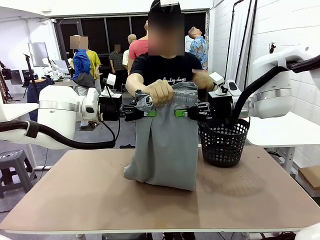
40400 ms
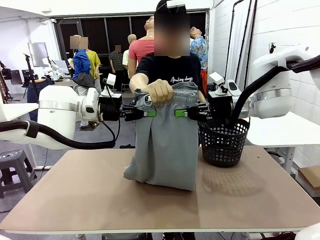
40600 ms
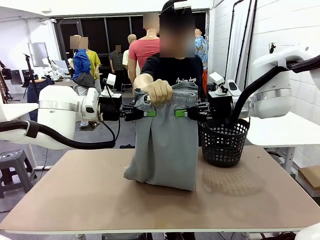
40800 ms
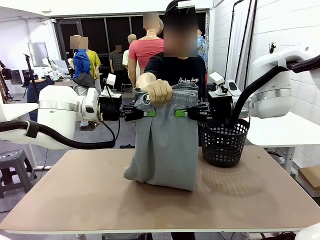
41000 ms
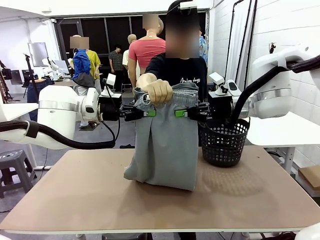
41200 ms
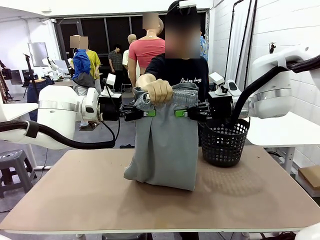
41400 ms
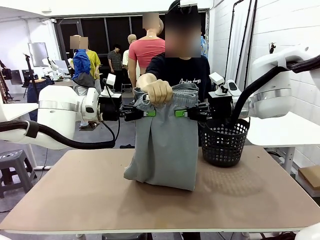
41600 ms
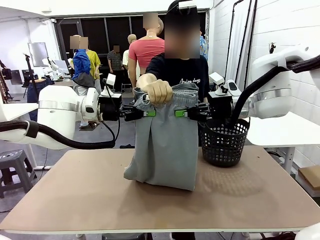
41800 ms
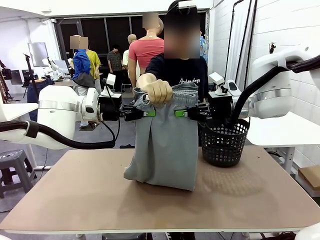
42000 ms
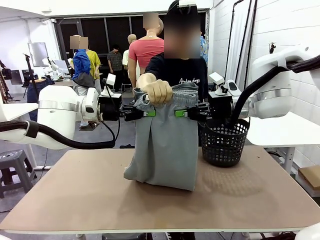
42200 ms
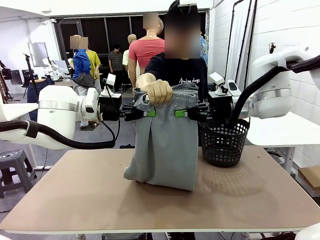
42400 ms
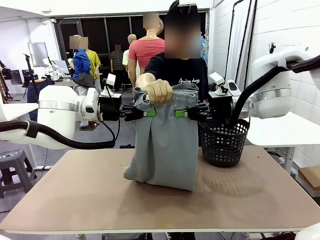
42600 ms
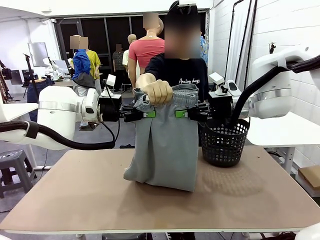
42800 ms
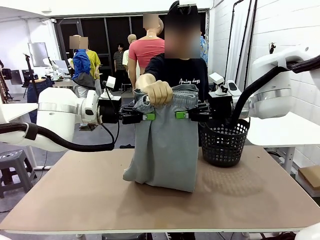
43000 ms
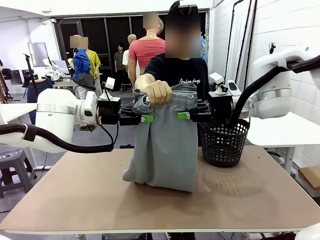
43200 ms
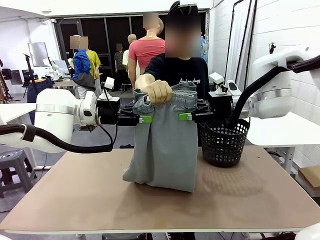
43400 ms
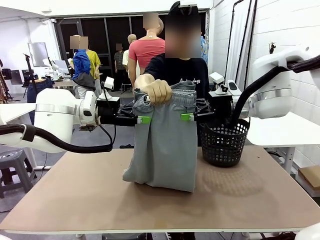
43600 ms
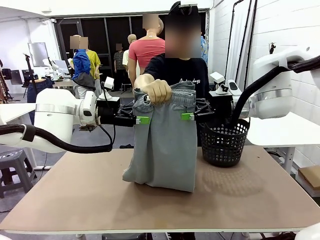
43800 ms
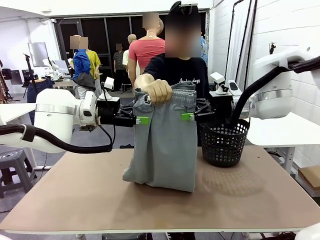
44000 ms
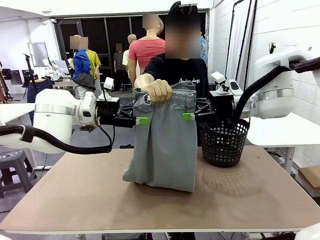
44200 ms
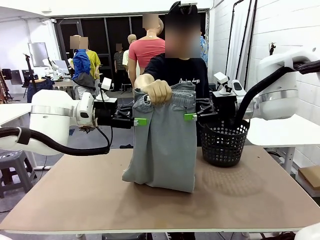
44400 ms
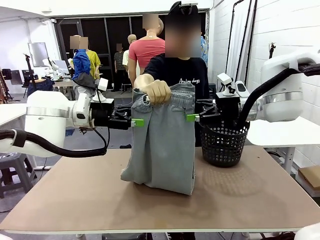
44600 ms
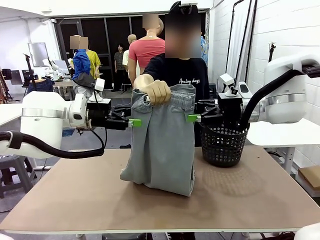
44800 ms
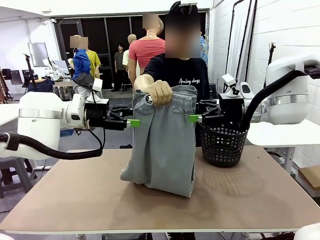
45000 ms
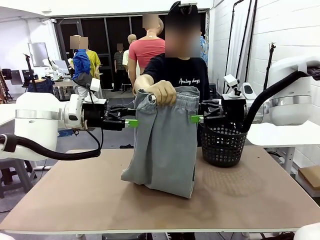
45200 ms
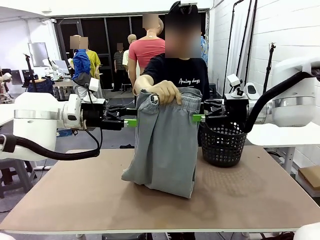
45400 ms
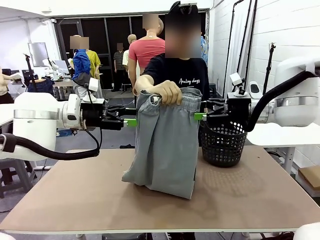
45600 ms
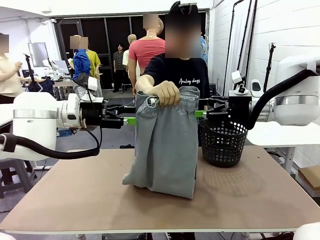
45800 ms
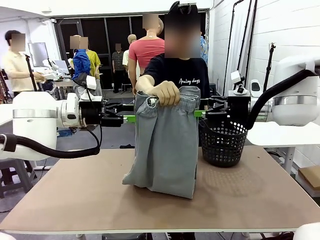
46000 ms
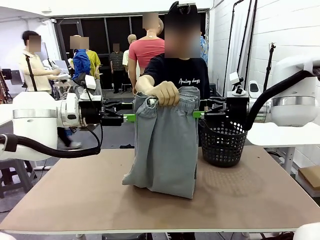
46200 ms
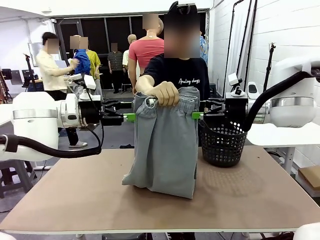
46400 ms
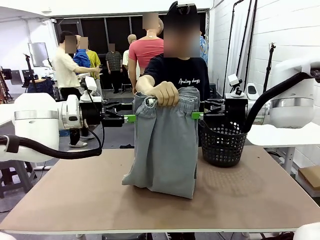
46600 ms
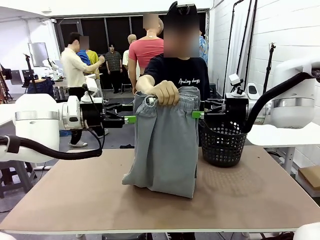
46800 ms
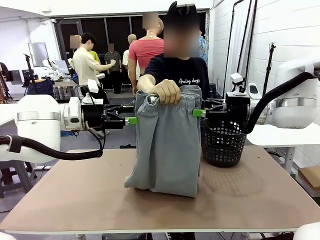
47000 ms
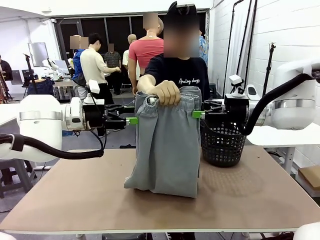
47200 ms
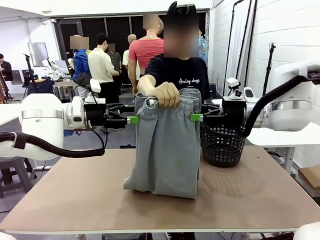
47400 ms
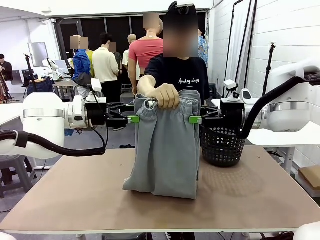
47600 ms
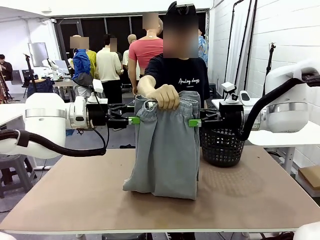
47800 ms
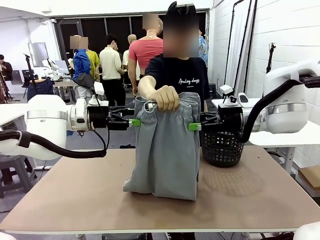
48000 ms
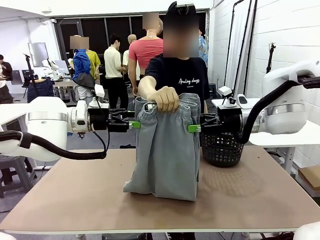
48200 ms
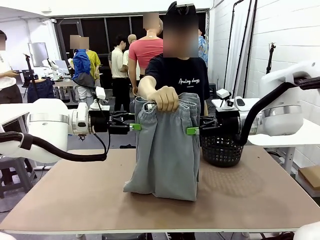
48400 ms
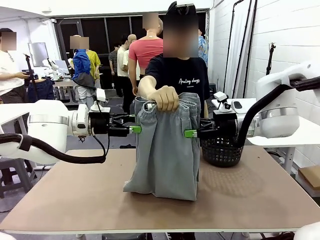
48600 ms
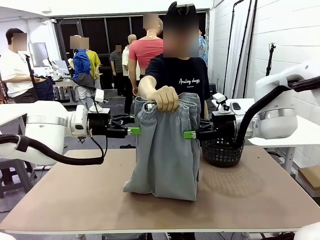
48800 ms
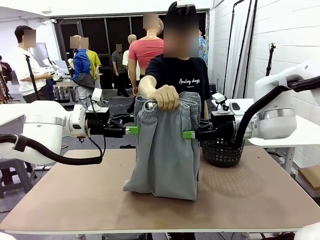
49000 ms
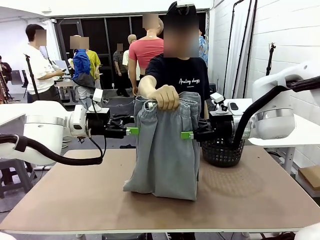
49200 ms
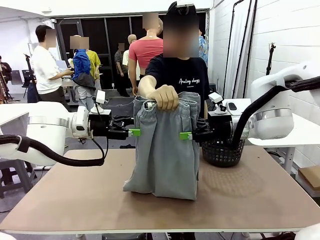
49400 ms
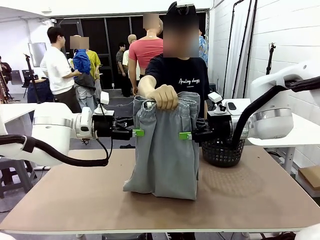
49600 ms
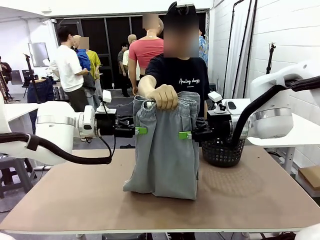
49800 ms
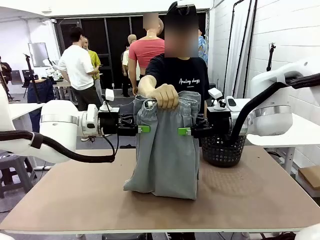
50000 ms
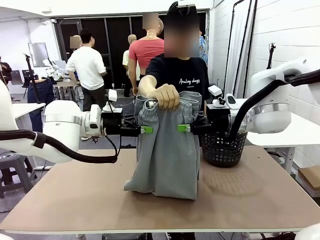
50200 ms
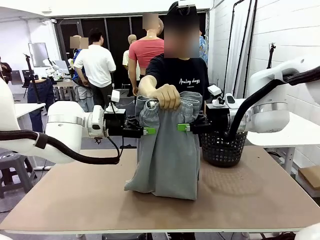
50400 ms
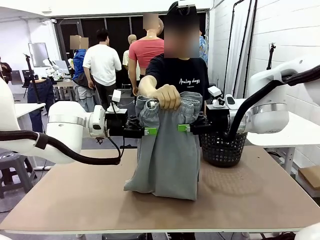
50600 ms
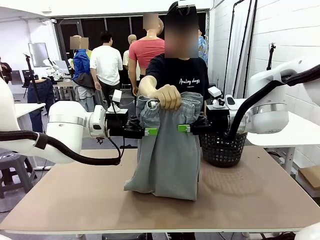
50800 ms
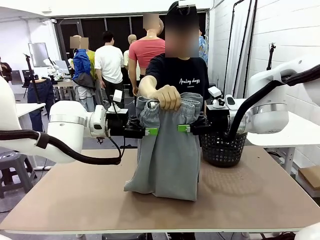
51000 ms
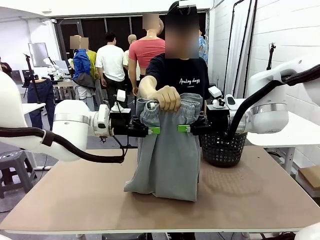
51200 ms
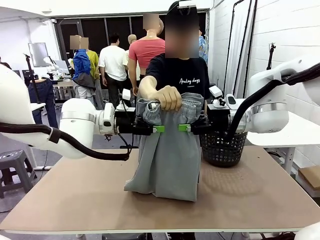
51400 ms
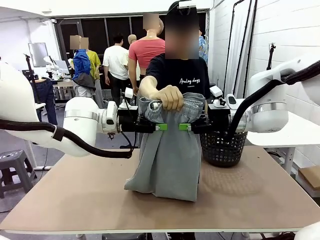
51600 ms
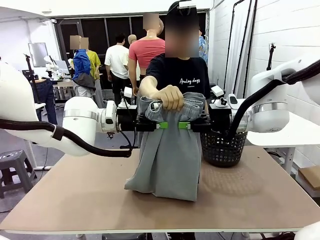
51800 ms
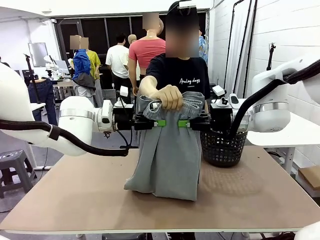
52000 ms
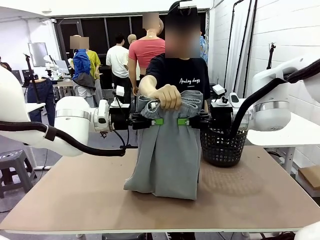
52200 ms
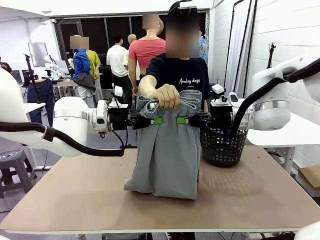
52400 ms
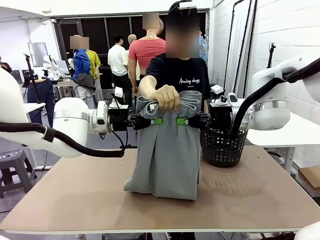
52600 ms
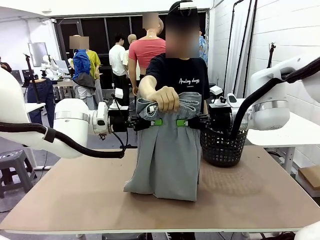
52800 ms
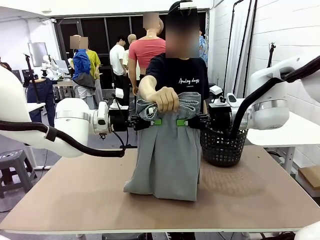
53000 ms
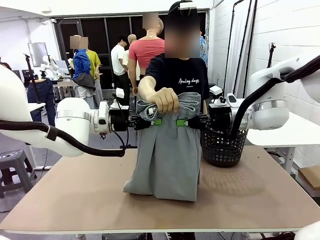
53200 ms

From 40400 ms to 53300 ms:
Task: Fold the training pants.
Robot: Release the ends of the Training pants and then grab the overlapped ends.
Person: Release the pants you were holding.
